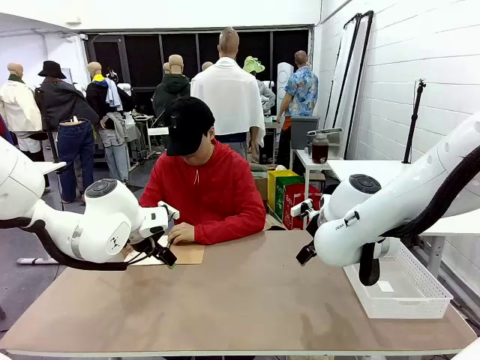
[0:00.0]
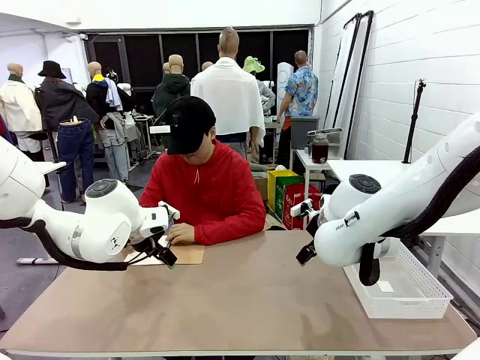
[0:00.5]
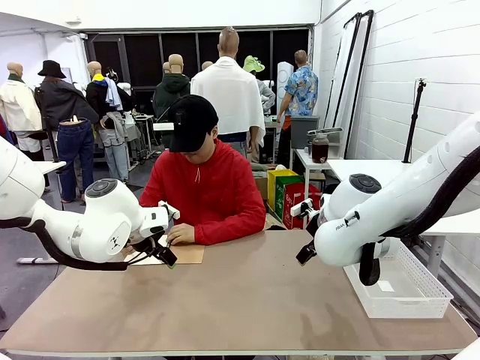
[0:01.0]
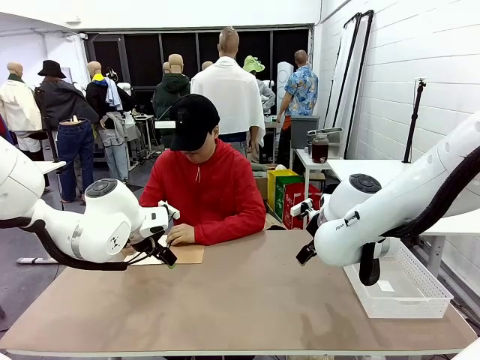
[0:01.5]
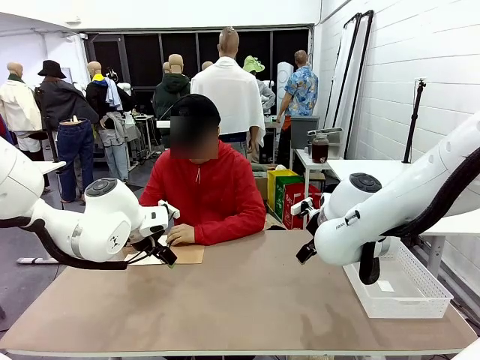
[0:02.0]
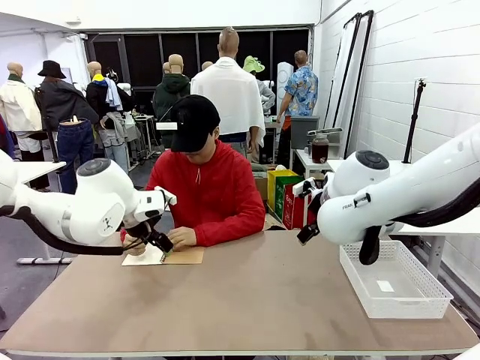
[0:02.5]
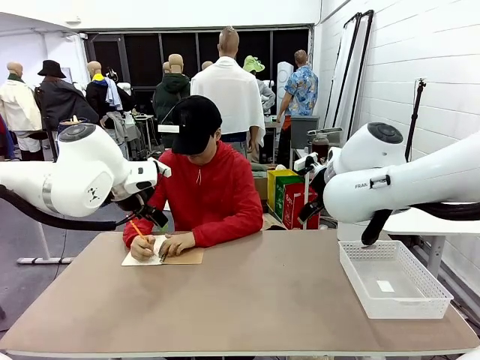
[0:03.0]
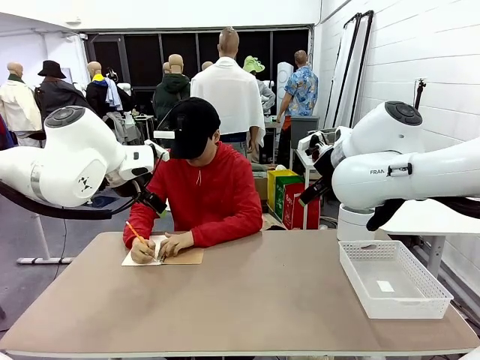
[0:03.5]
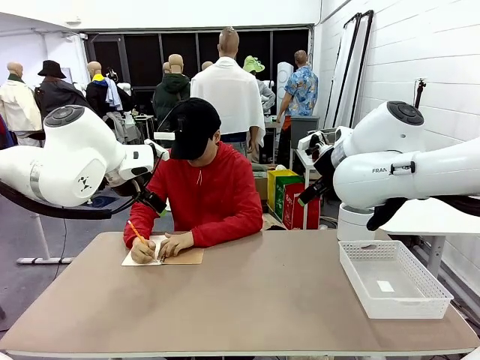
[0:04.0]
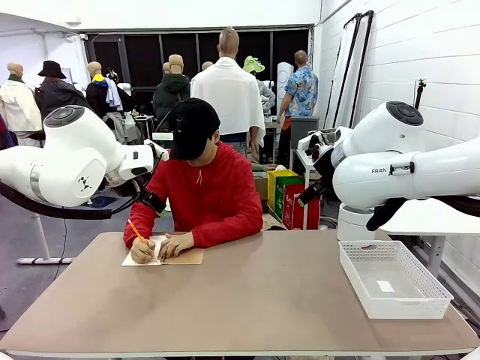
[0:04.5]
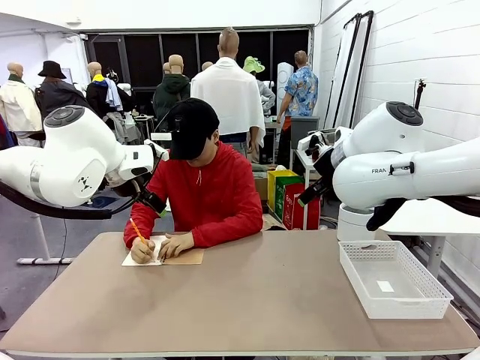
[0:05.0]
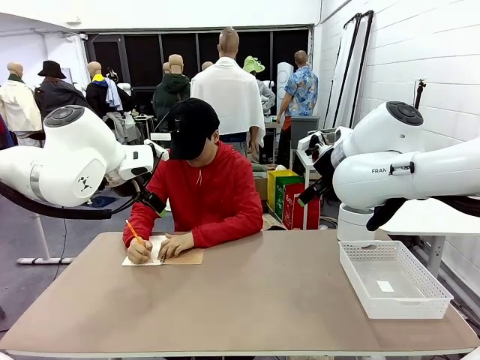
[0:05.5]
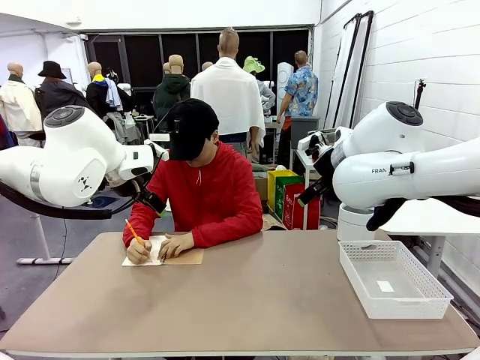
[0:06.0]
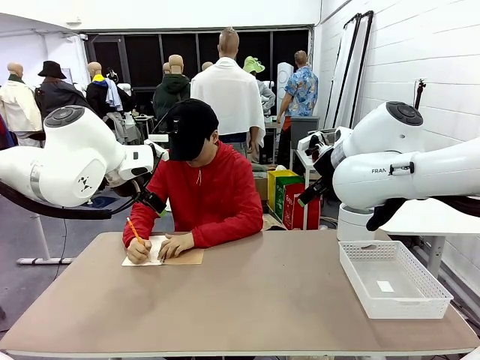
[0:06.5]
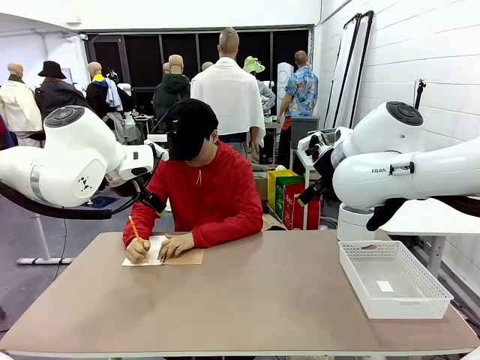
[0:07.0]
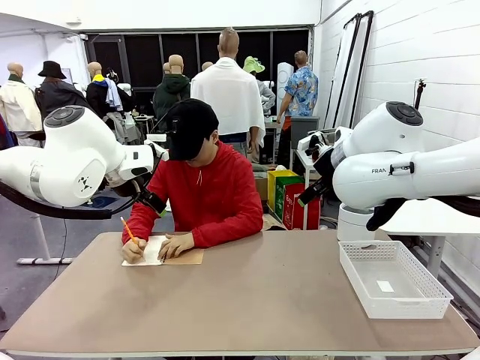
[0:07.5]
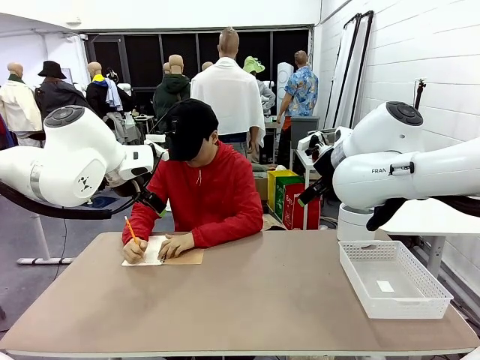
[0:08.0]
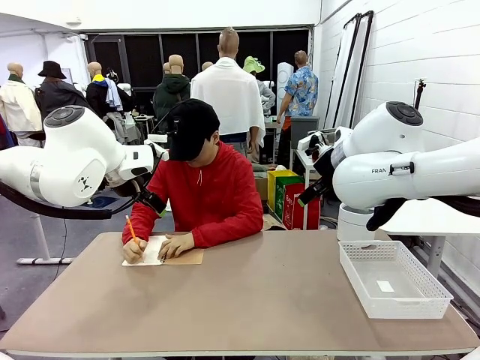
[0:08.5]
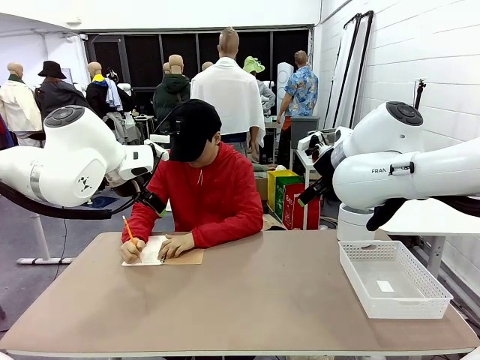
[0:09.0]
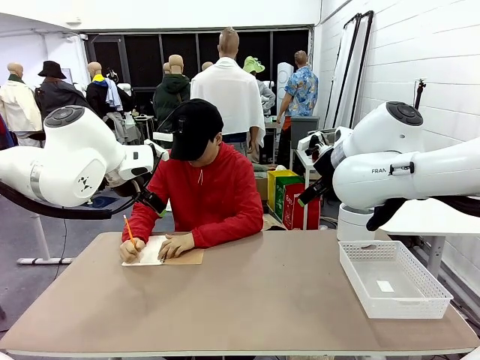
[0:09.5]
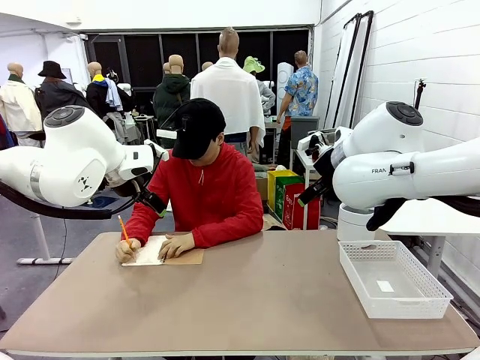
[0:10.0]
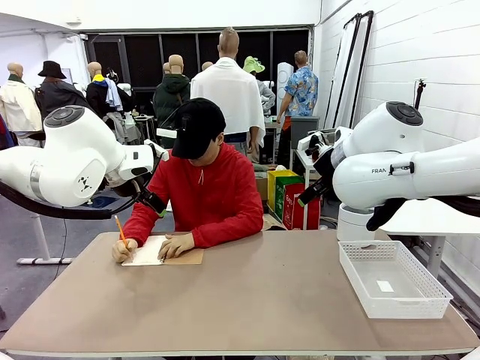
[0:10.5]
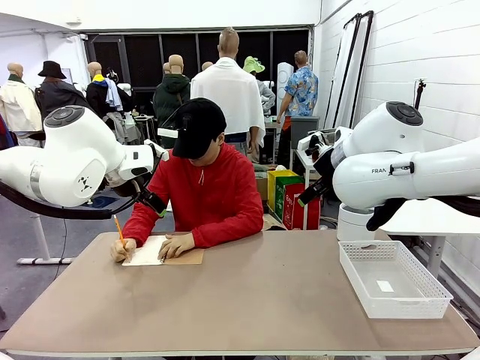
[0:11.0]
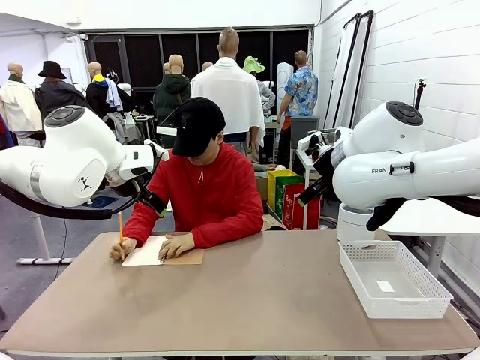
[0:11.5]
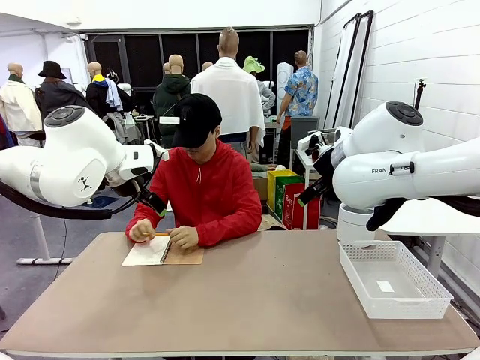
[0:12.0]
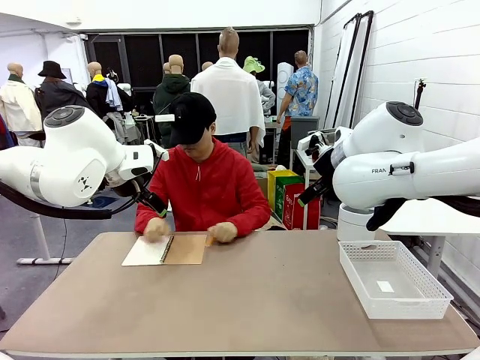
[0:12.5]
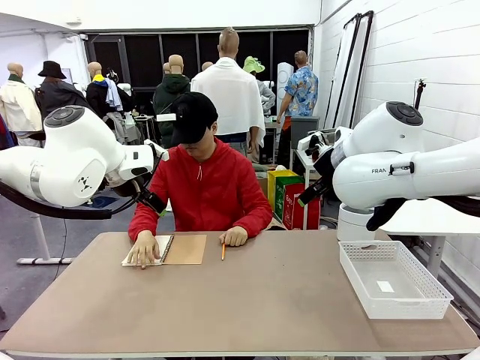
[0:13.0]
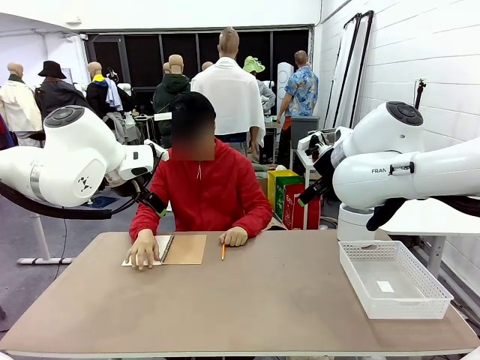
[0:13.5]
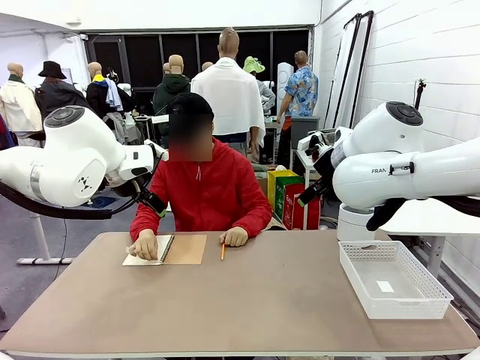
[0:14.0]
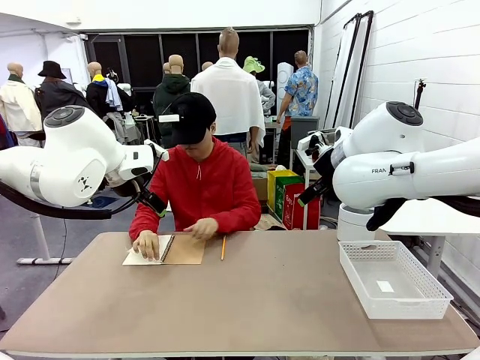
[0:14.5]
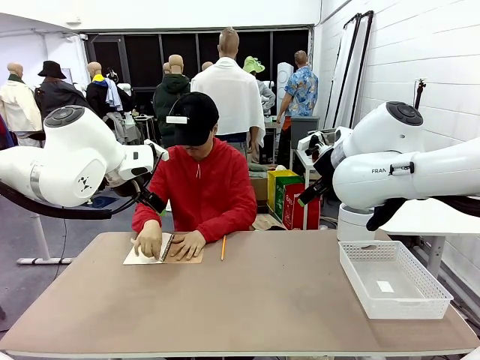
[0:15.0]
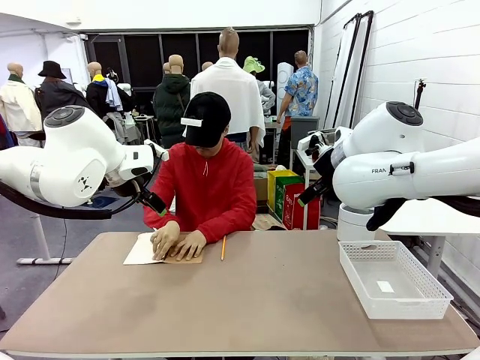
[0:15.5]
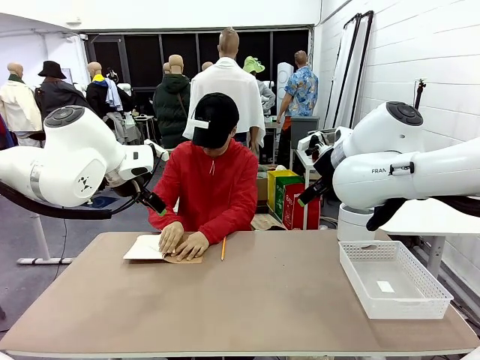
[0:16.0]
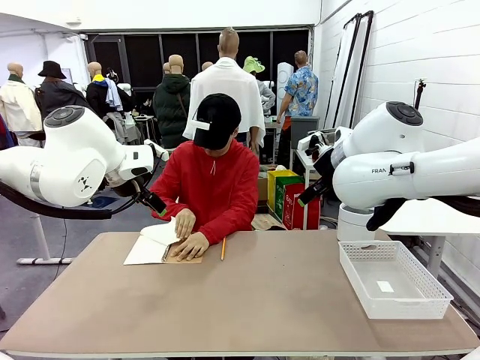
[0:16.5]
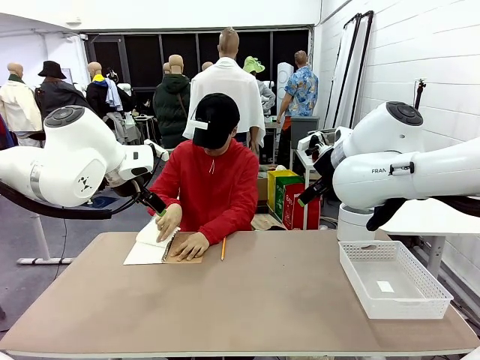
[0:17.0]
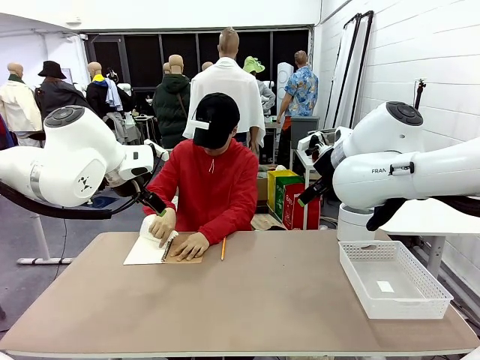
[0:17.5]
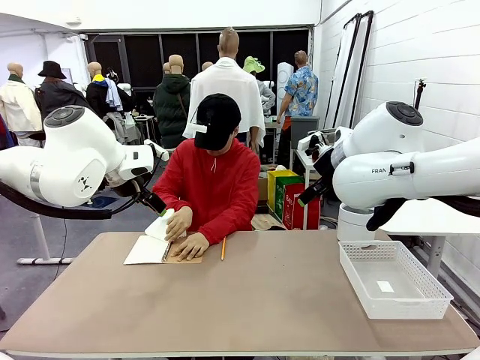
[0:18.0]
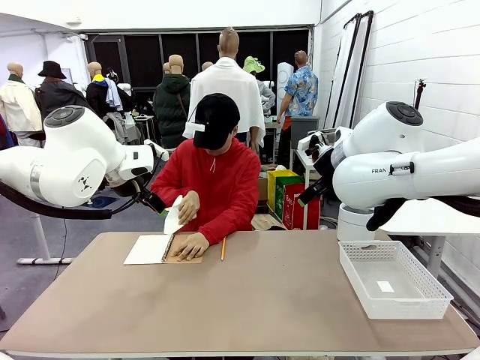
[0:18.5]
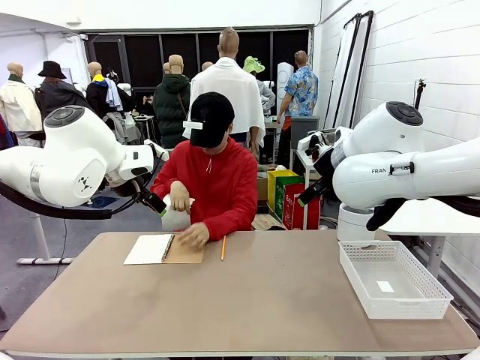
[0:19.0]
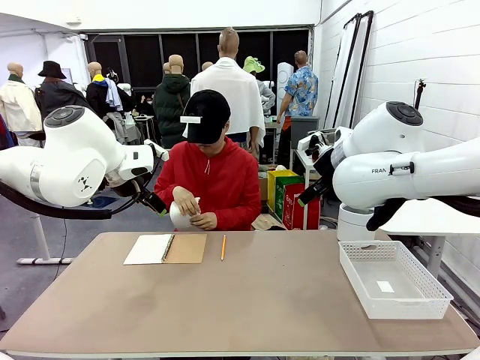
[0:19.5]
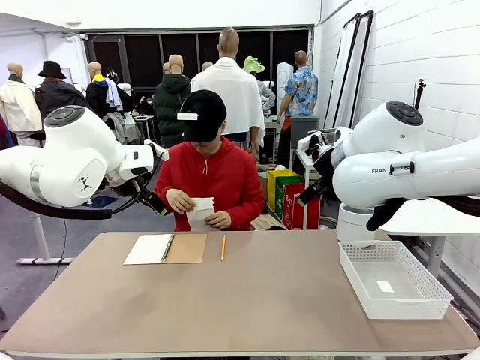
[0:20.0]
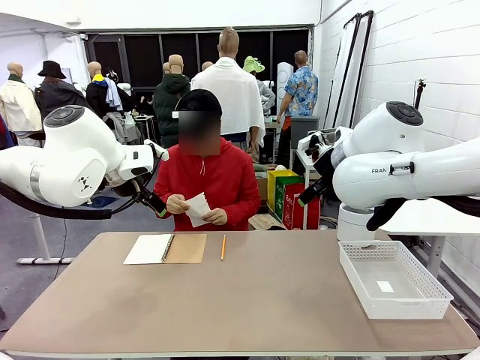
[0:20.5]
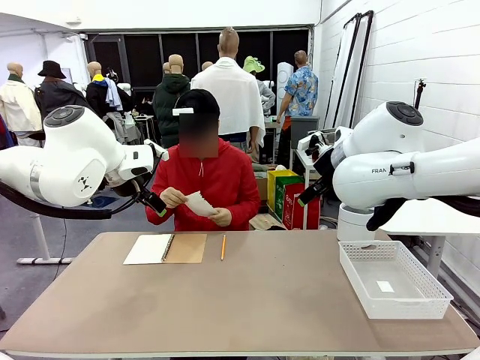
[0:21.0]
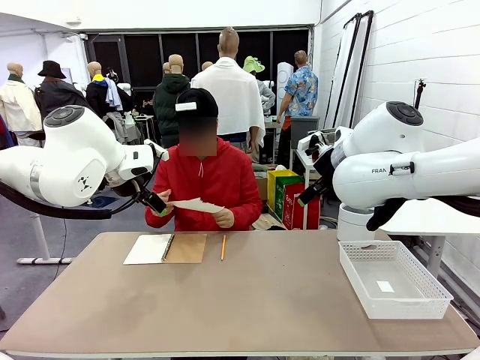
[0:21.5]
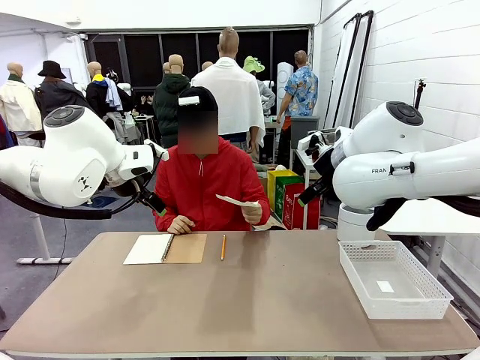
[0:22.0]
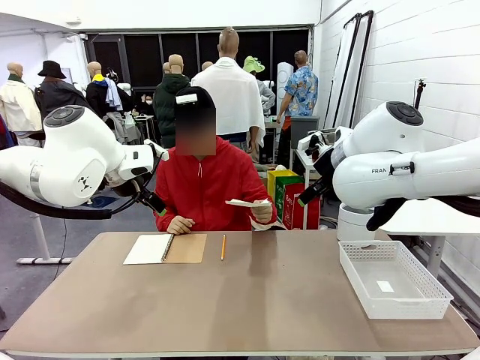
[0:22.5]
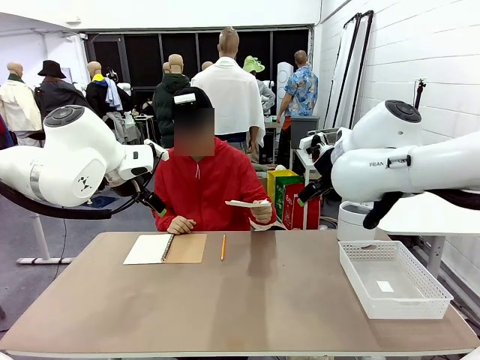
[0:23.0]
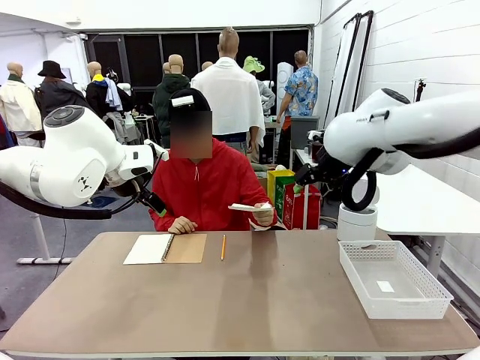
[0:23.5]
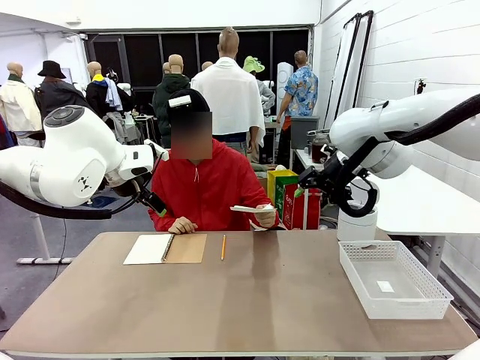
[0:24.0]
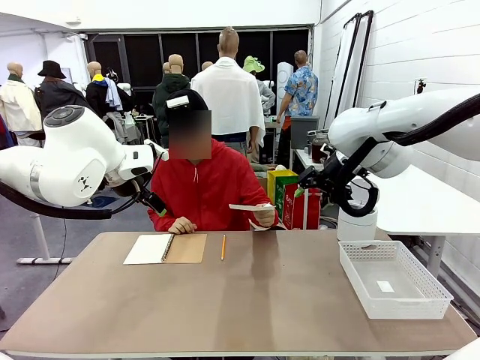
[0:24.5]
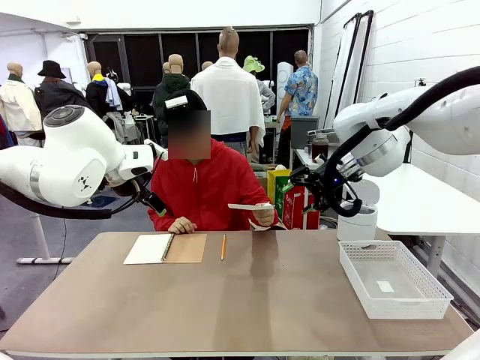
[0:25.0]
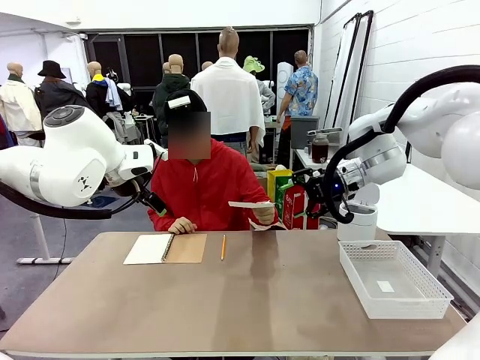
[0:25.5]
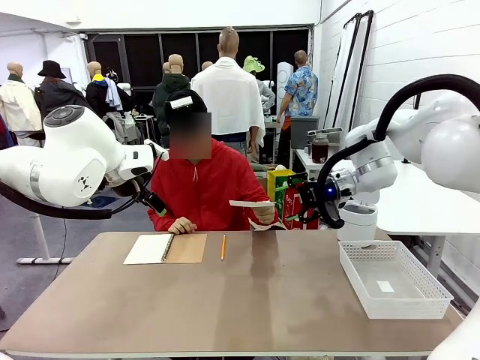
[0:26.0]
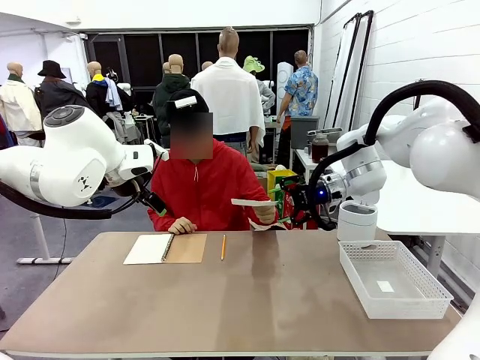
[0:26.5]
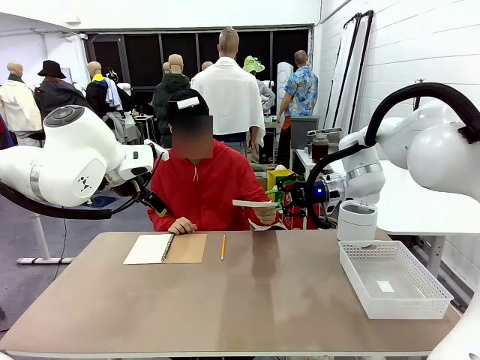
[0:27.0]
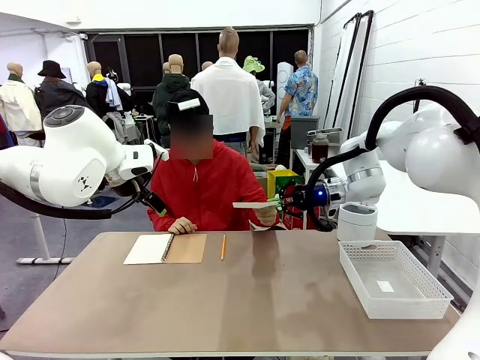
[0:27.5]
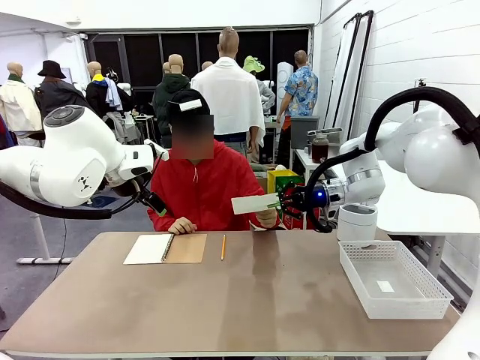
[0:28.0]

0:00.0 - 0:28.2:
Task: Sort the paper based on its condition.
Robot: If a person hands you a paper, place it in the Organizing basket , and if it's crumpled, put it in the Trash can.
Person: Tear out a page from the spiral notebook. Hand the torn page to the robot or crumple it and throw it to the center of the table.
